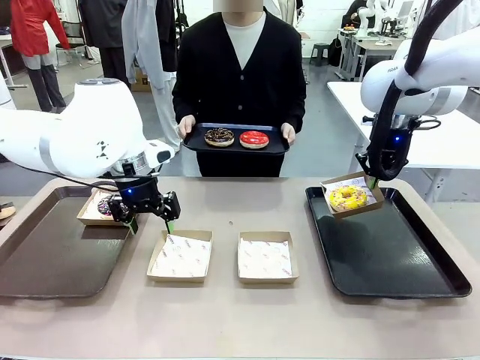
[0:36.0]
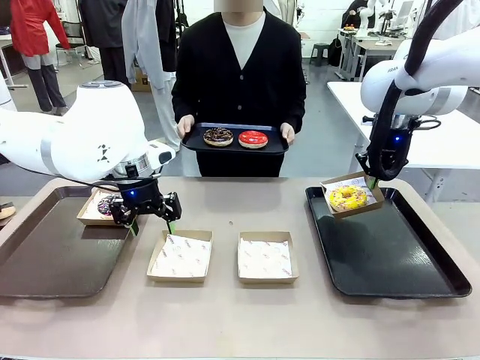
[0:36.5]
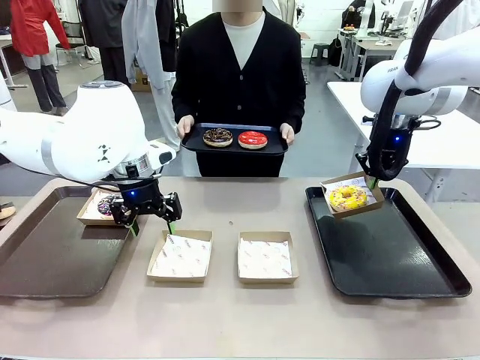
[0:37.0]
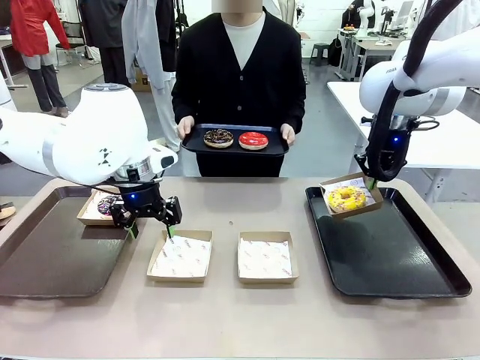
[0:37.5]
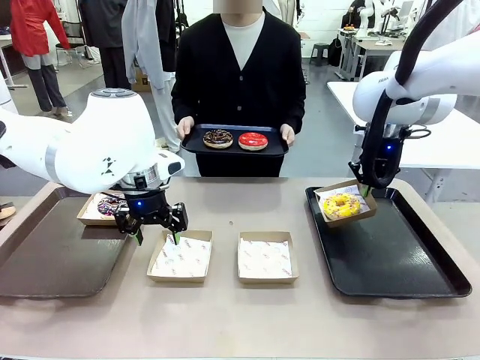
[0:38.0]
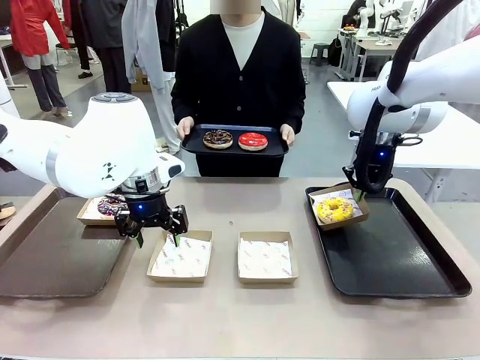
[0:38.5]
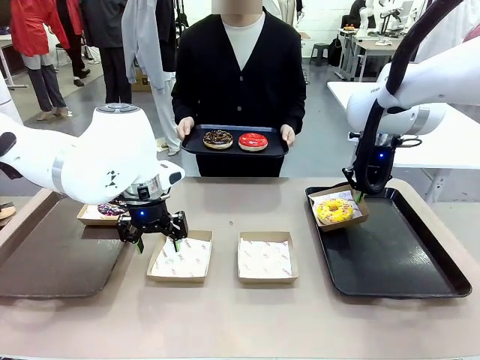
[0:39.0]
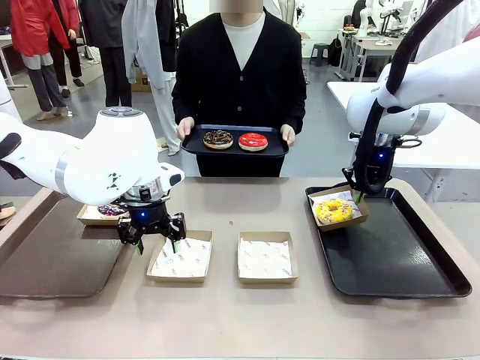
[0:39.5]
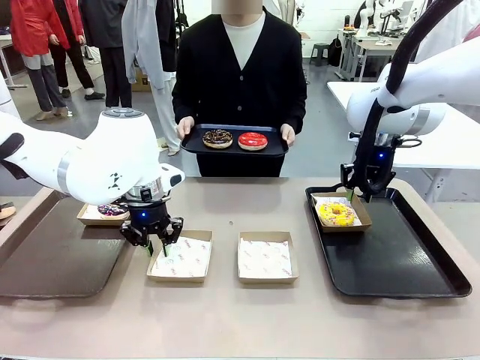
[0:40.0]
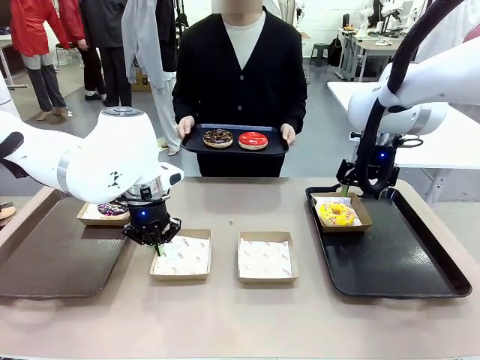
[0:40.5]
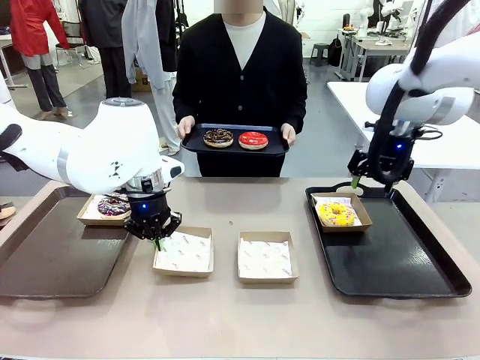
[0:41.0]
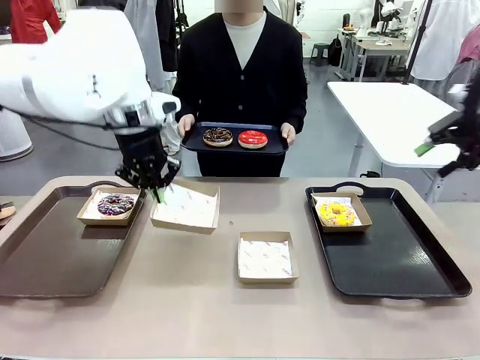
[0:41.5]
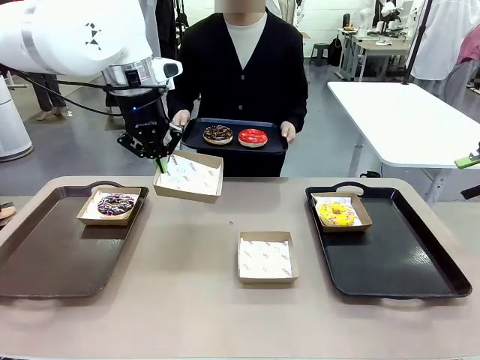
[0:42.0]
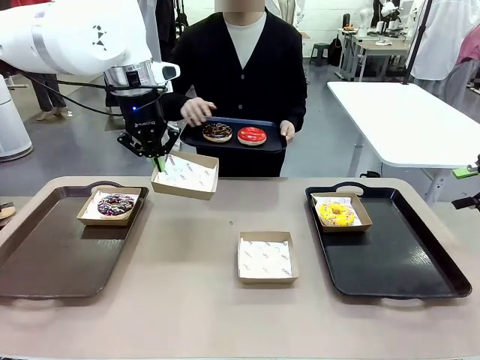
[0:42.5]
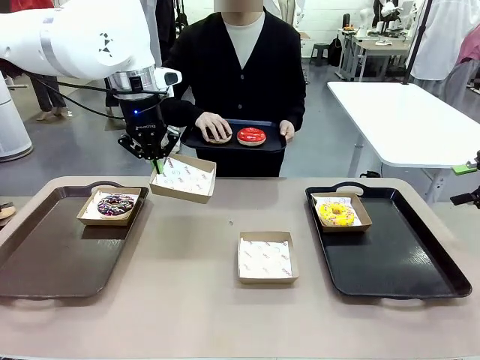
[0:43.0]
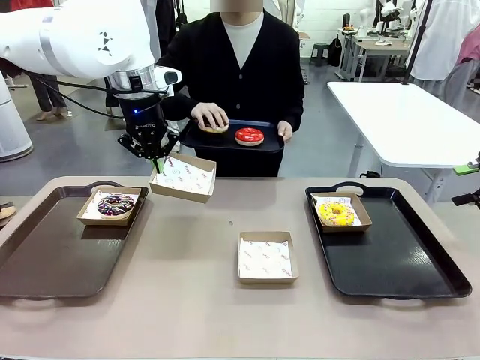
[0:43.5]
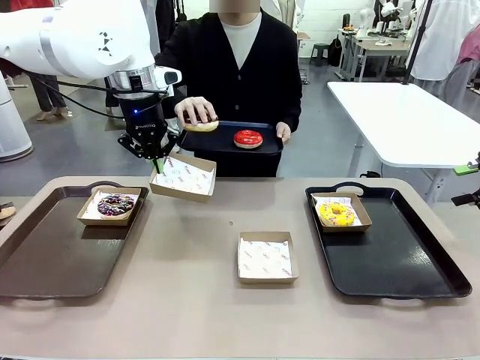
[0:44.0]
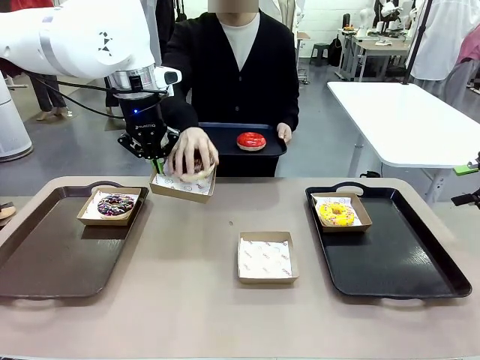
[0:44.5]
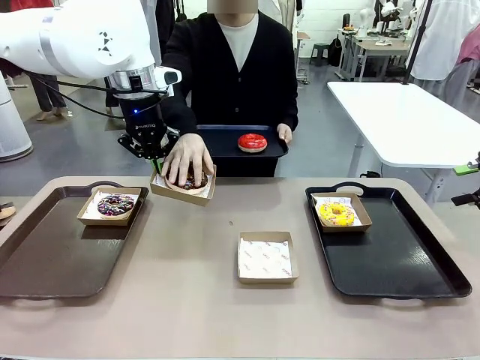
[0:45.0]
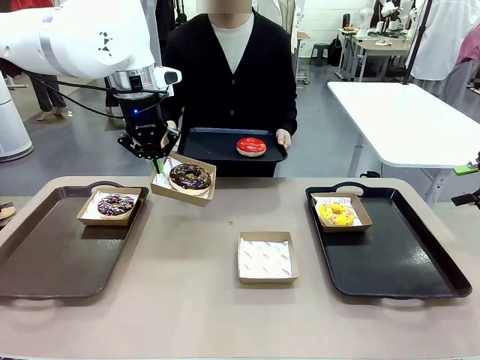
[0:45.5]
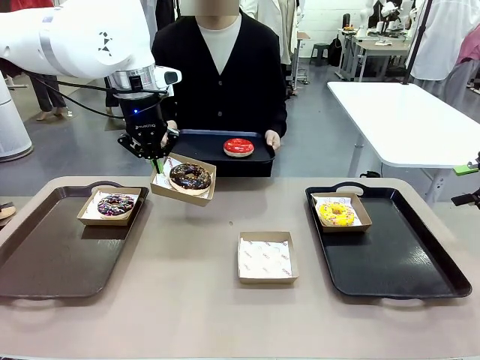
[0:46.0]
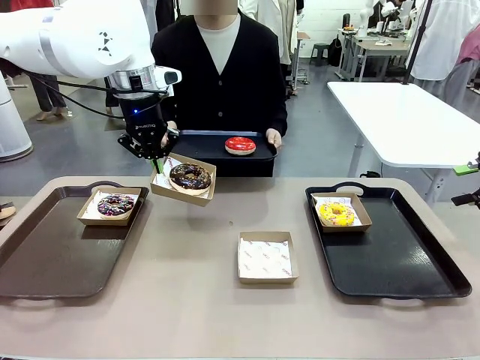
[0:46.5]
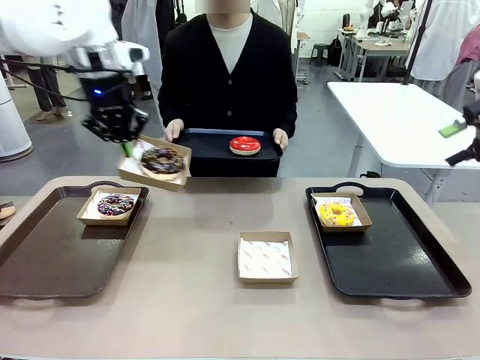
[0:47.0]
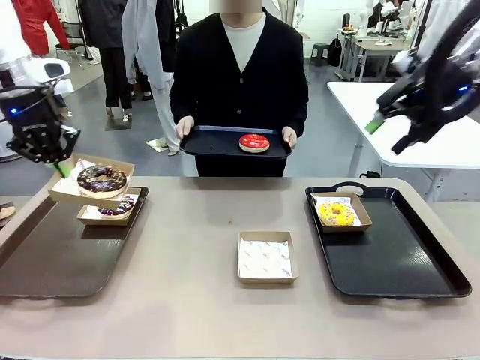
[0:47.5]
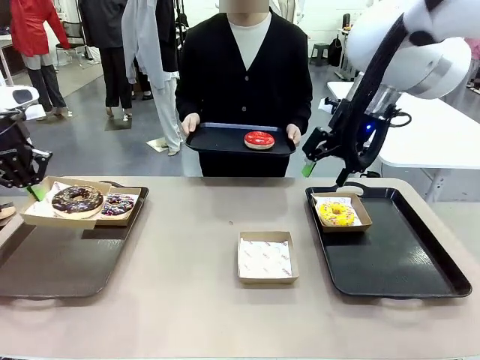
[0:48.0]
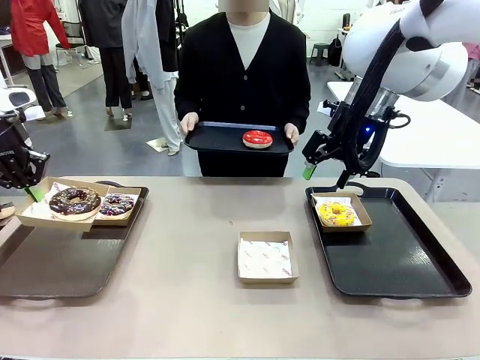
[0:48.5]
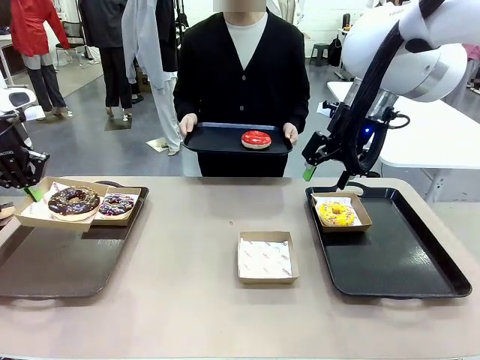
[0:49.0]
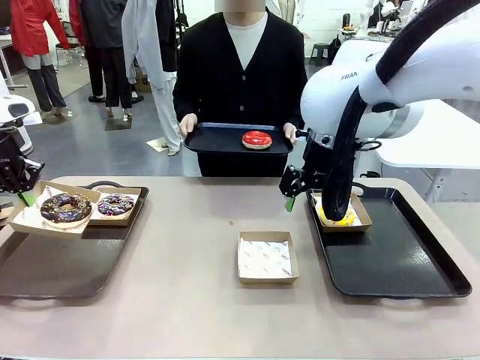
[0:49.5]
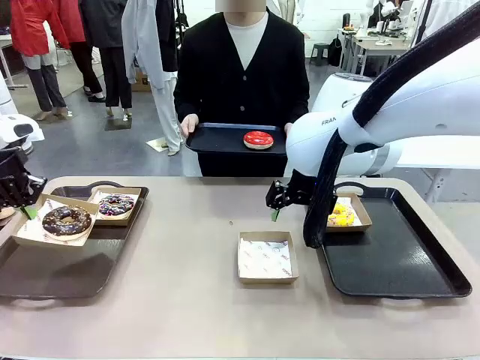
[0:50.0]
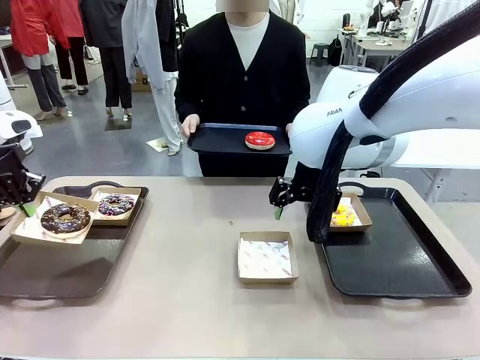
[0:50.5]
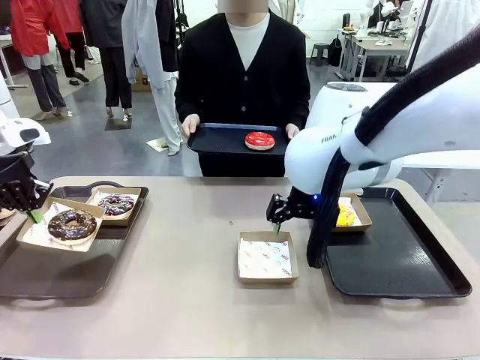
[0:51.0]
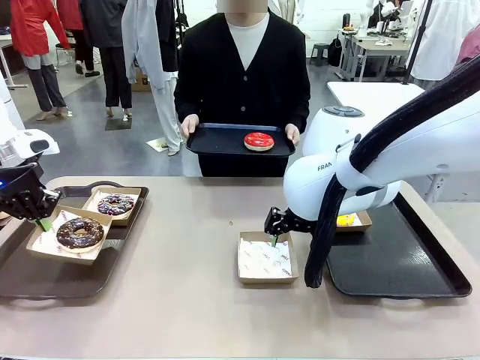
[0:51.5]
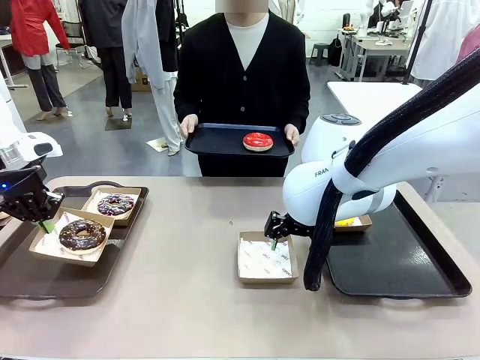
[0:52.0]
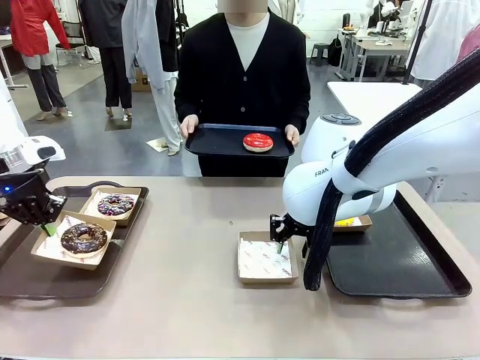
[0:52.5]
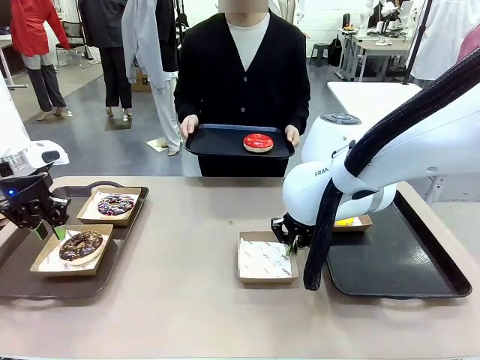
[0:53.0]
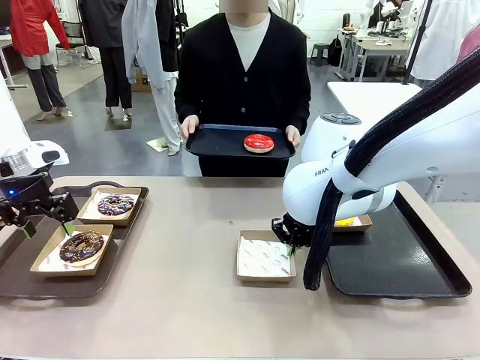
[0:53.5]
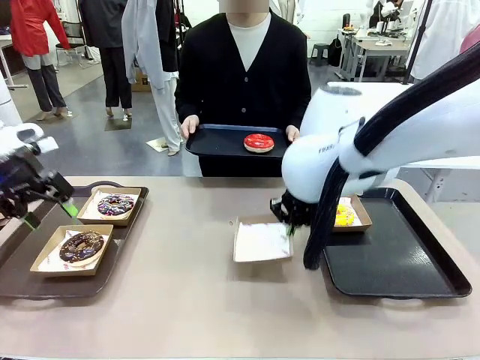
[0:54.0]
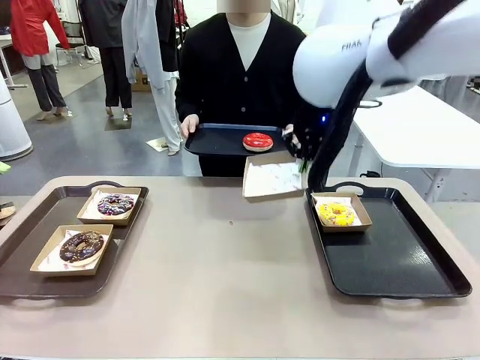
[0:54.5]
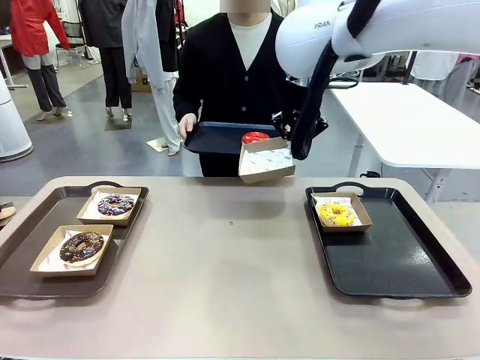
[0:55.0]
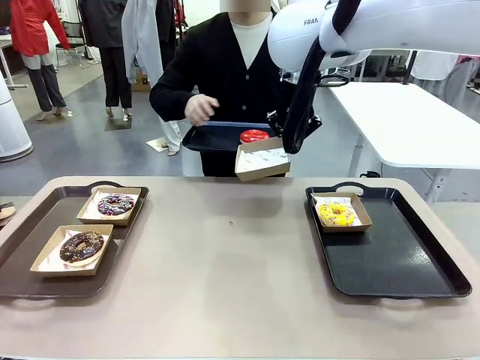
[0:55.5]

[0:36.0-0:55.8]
Task: Individually package the donuts and arrange them on the tray.
Robot: Place the picked Paper togo box on the Handle tray while simultaneously picking up another Paper togo box from the table with the other hand.

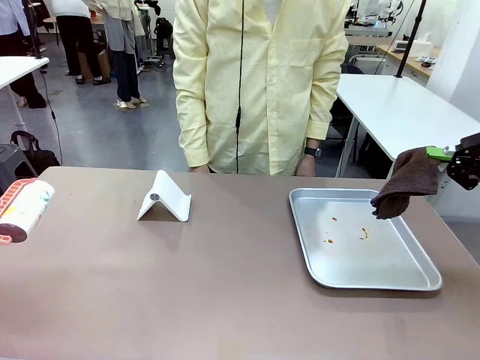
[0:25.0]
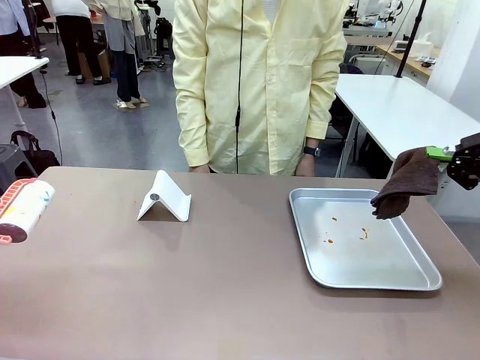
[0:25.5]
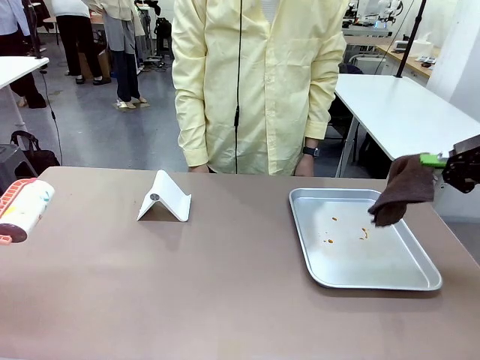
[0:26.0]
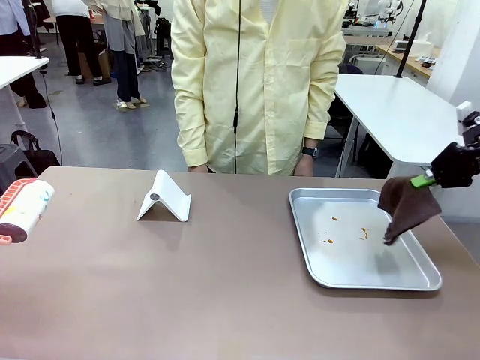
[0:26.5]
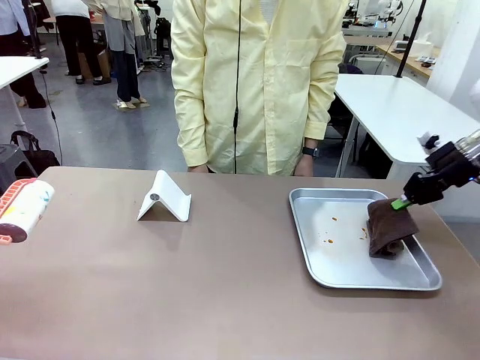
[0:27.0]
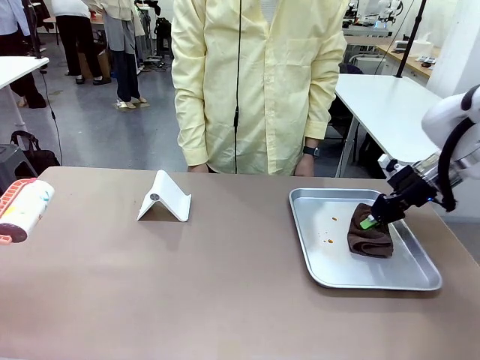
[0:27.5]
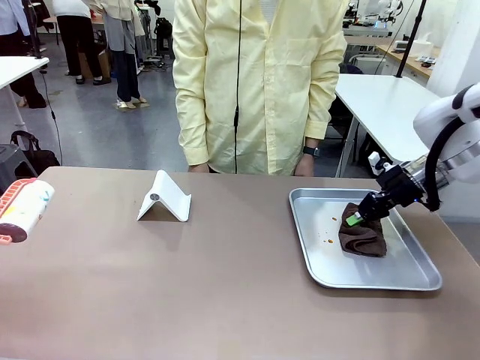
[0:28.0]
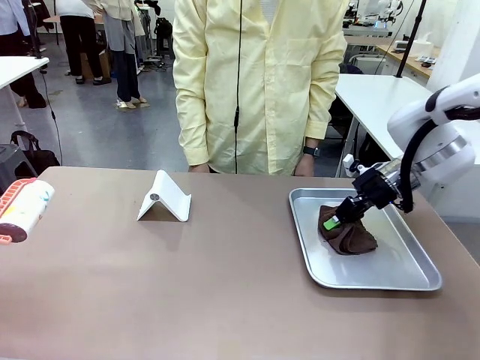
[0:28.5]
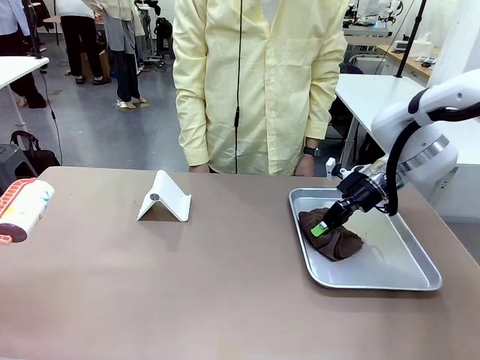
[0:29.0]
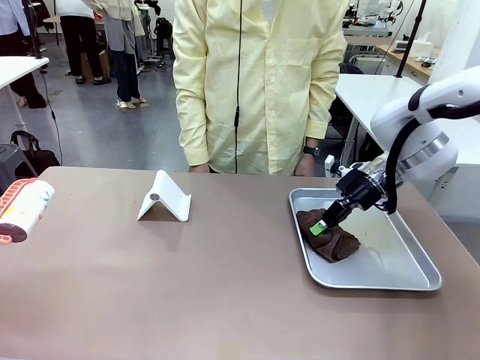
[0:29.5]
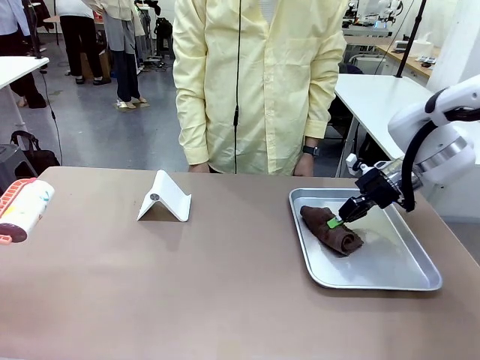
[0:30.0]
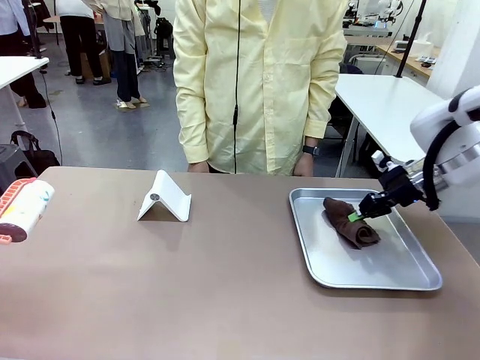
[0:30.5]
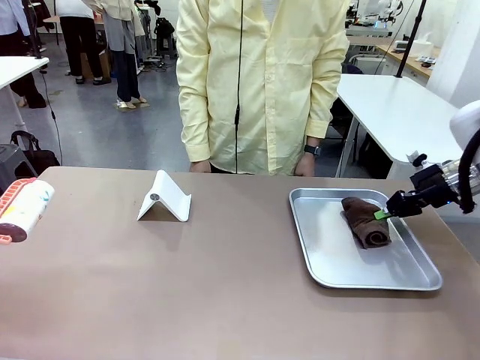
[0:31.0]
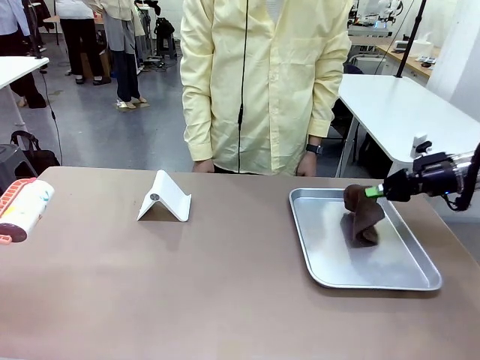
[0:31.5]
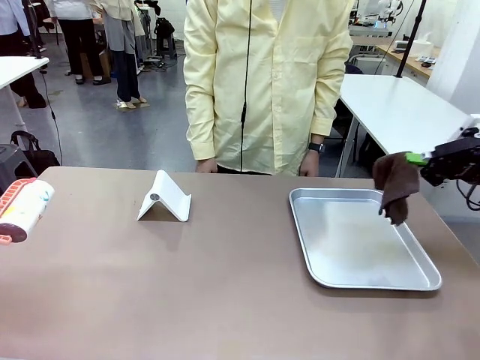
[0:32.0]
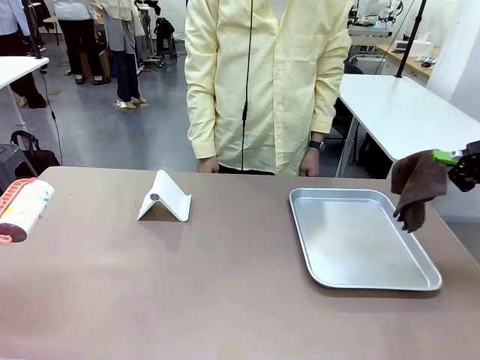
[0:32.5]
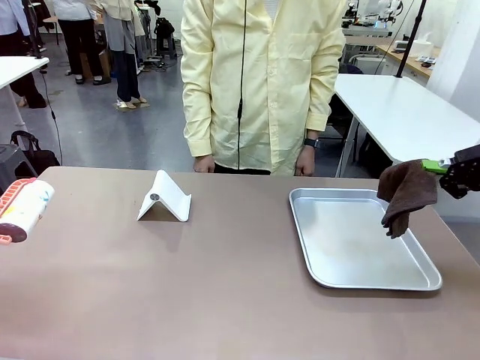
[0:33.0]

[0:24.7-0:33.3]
Task: Clean the surface of the table.
Robot: Clean the area not pointed to by the person.
